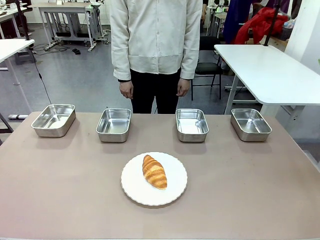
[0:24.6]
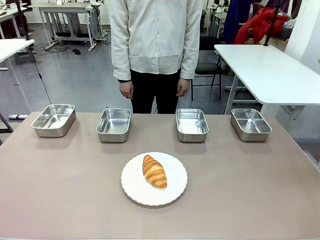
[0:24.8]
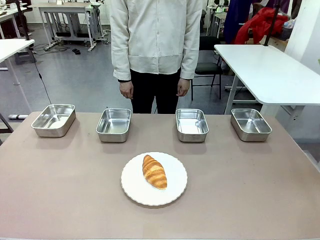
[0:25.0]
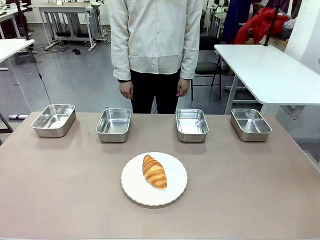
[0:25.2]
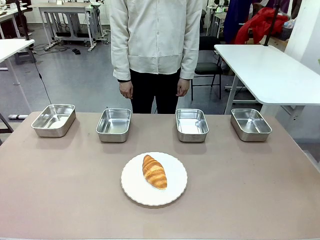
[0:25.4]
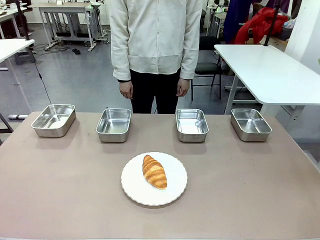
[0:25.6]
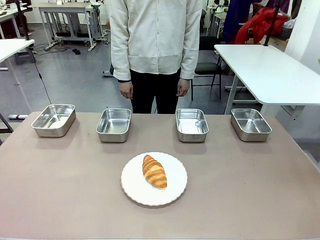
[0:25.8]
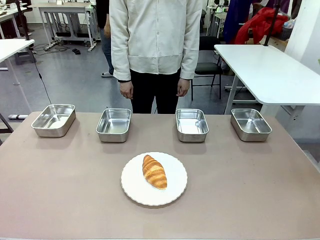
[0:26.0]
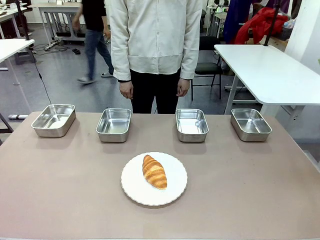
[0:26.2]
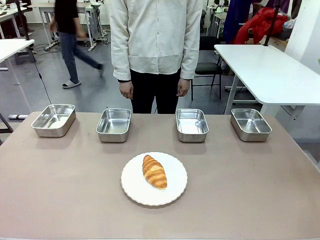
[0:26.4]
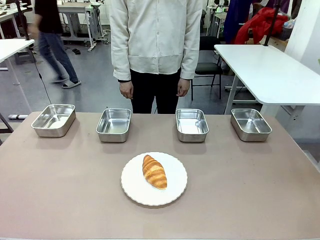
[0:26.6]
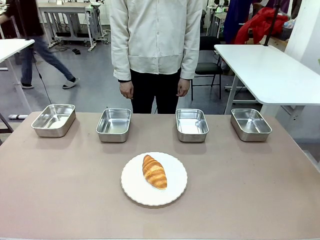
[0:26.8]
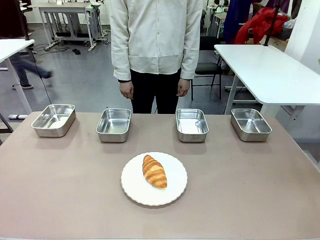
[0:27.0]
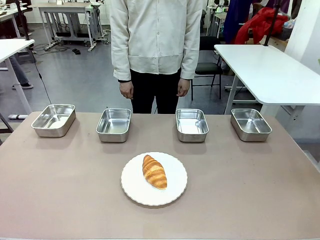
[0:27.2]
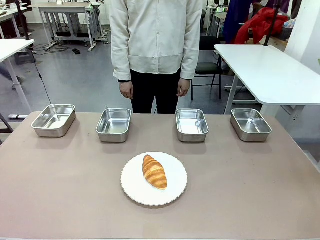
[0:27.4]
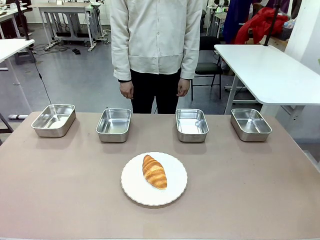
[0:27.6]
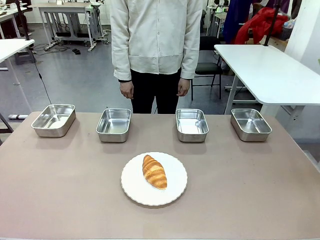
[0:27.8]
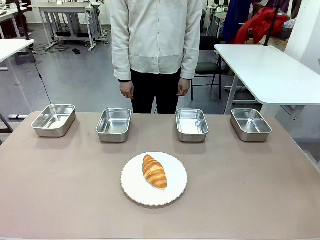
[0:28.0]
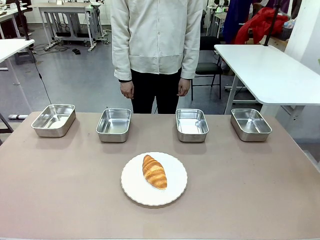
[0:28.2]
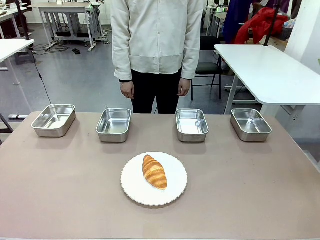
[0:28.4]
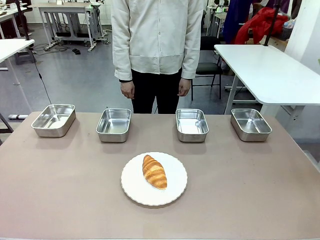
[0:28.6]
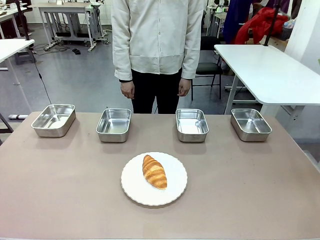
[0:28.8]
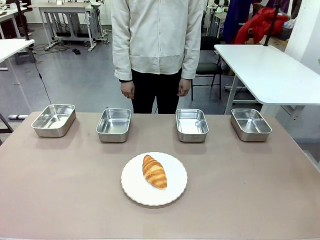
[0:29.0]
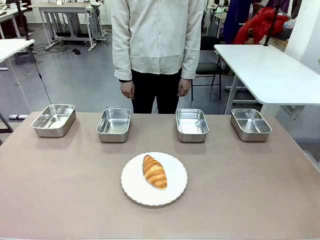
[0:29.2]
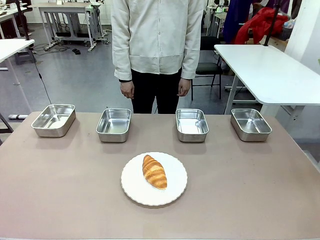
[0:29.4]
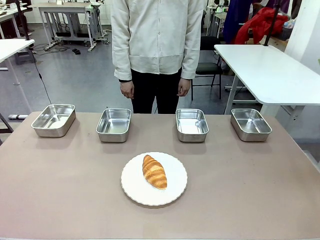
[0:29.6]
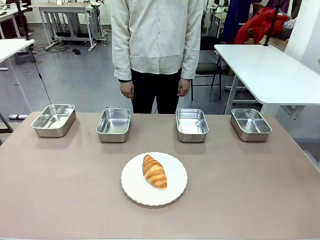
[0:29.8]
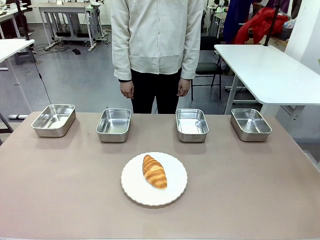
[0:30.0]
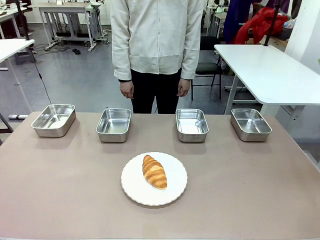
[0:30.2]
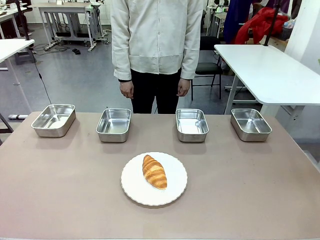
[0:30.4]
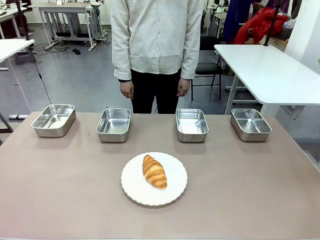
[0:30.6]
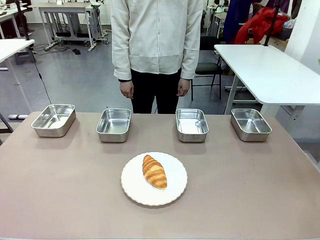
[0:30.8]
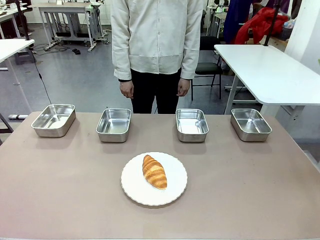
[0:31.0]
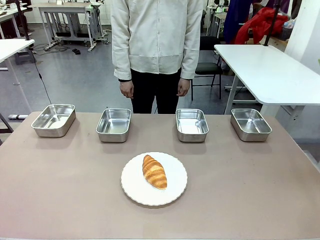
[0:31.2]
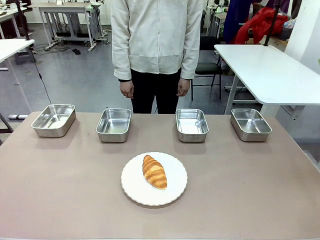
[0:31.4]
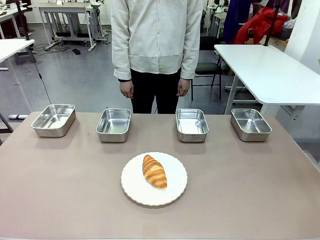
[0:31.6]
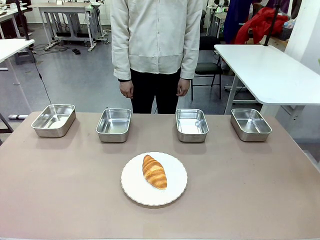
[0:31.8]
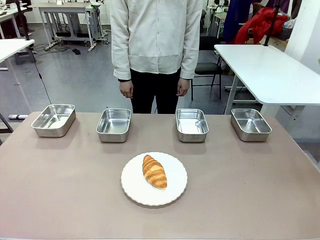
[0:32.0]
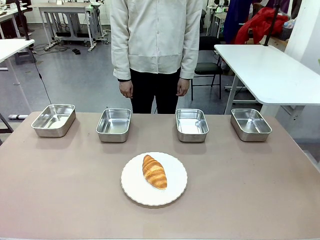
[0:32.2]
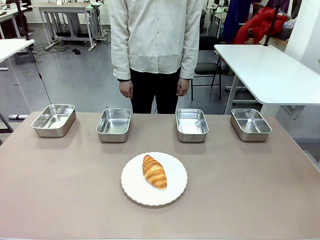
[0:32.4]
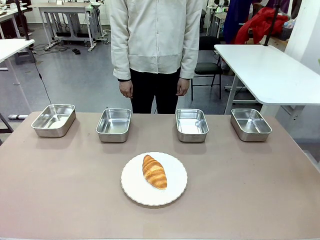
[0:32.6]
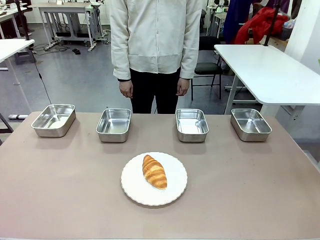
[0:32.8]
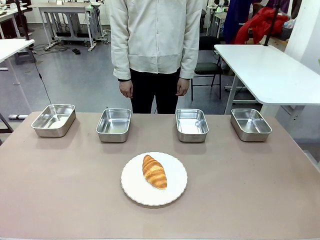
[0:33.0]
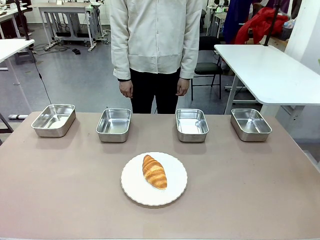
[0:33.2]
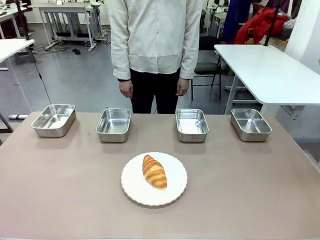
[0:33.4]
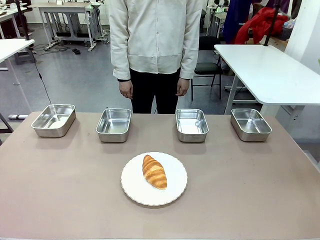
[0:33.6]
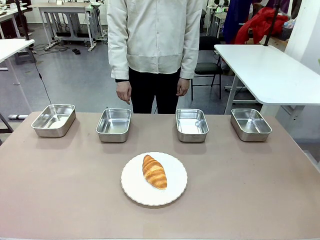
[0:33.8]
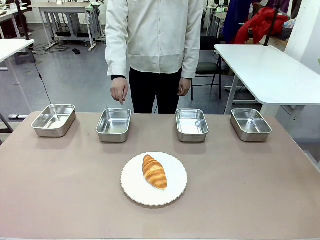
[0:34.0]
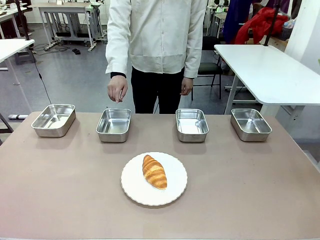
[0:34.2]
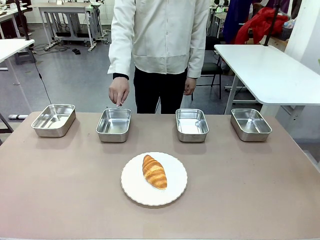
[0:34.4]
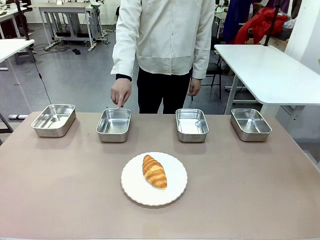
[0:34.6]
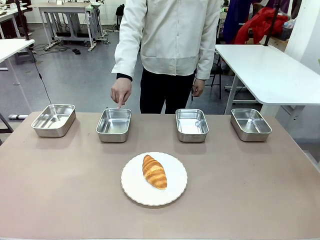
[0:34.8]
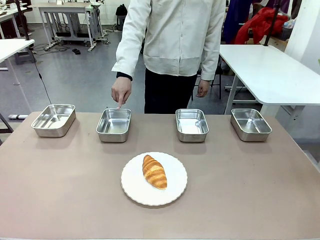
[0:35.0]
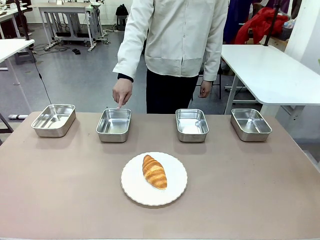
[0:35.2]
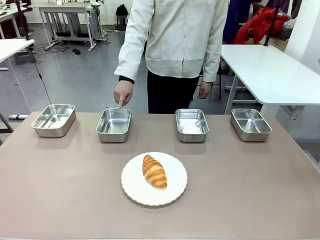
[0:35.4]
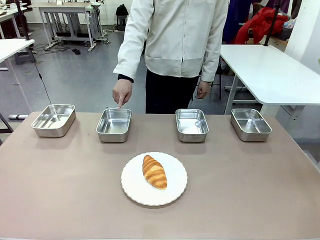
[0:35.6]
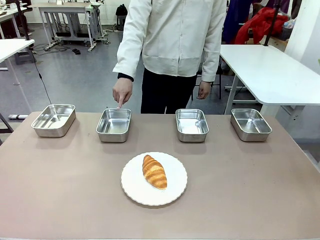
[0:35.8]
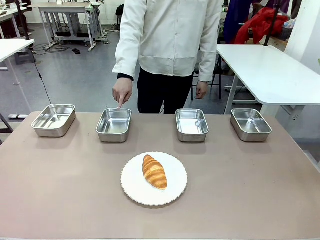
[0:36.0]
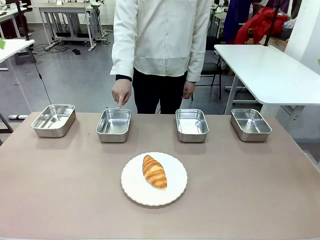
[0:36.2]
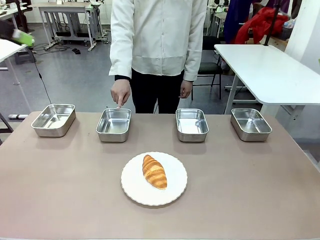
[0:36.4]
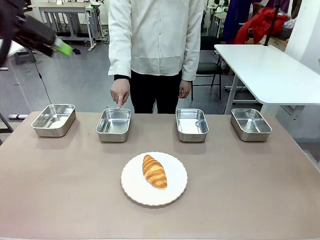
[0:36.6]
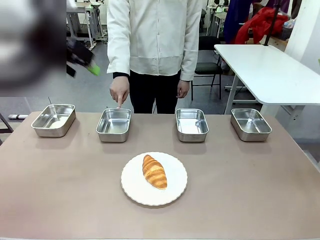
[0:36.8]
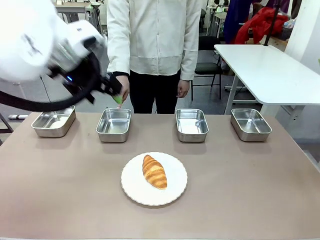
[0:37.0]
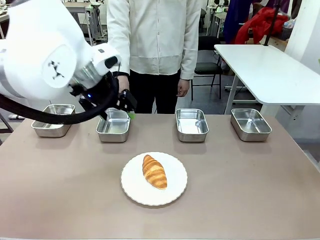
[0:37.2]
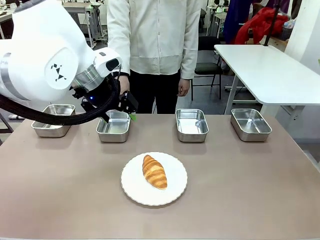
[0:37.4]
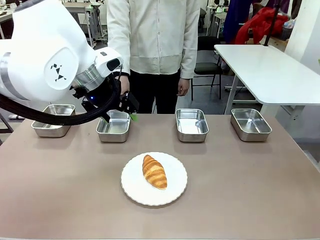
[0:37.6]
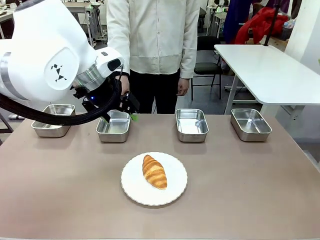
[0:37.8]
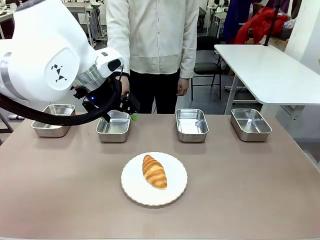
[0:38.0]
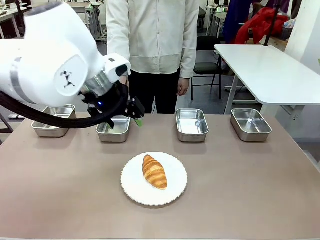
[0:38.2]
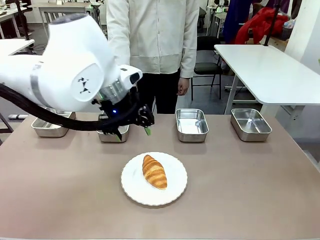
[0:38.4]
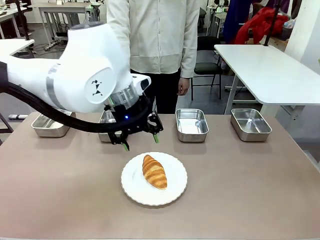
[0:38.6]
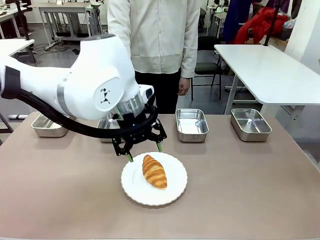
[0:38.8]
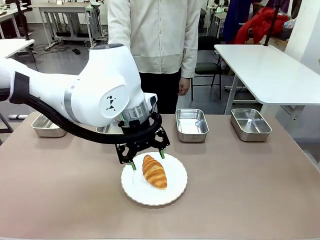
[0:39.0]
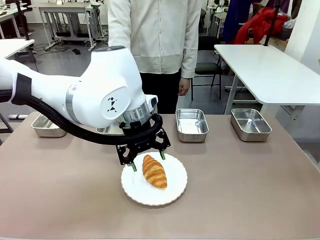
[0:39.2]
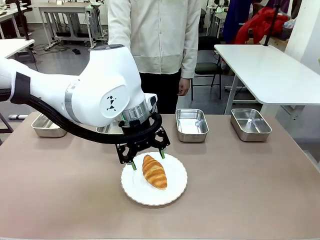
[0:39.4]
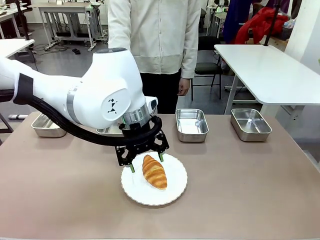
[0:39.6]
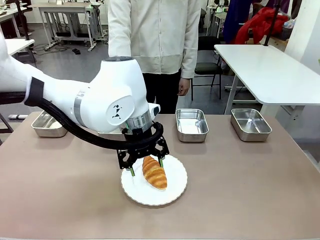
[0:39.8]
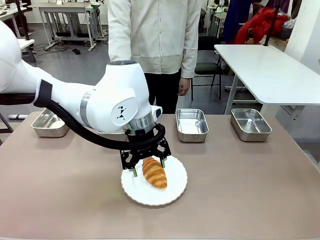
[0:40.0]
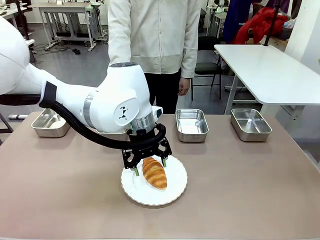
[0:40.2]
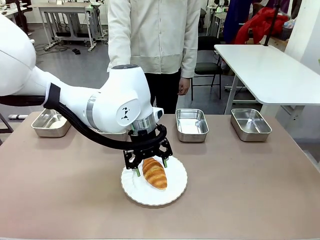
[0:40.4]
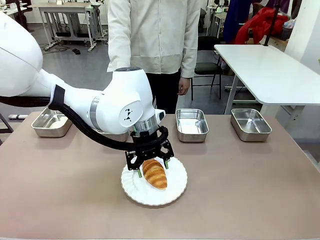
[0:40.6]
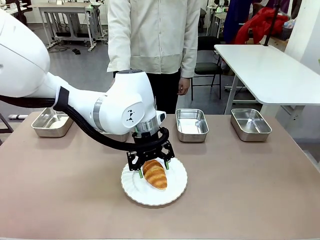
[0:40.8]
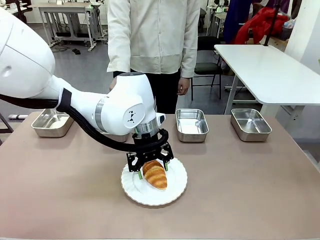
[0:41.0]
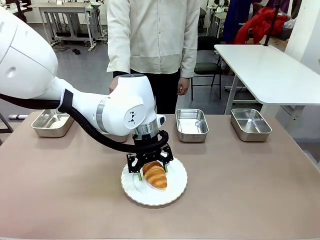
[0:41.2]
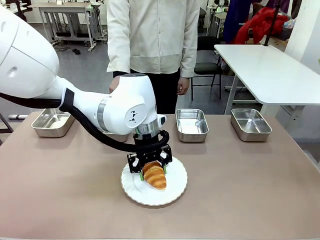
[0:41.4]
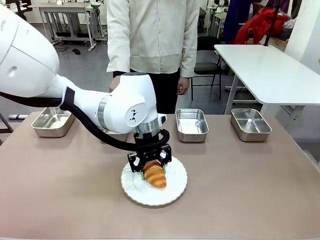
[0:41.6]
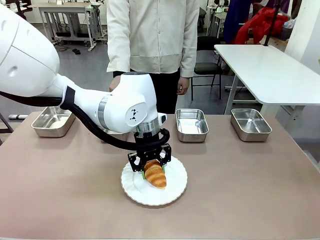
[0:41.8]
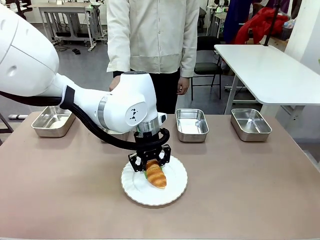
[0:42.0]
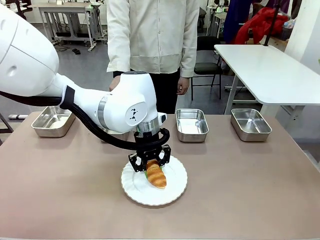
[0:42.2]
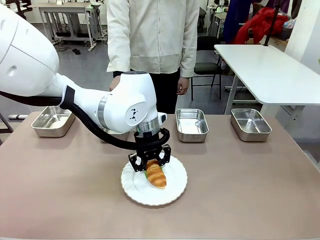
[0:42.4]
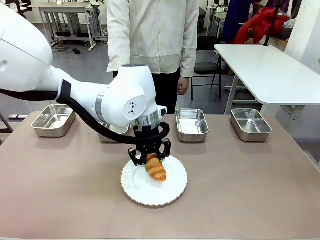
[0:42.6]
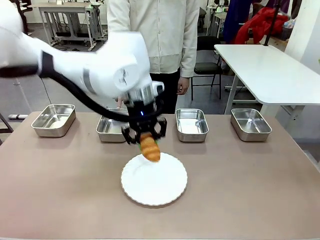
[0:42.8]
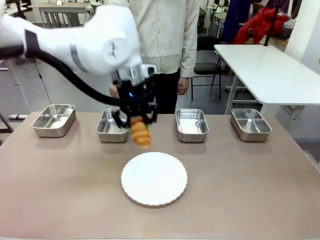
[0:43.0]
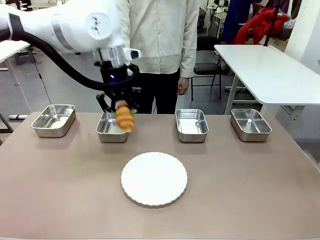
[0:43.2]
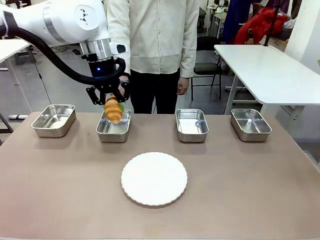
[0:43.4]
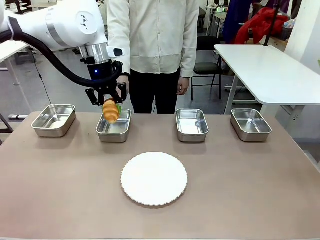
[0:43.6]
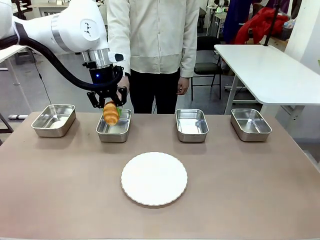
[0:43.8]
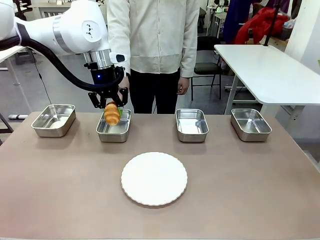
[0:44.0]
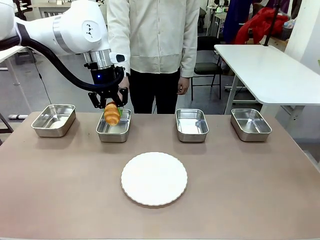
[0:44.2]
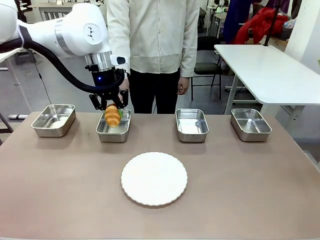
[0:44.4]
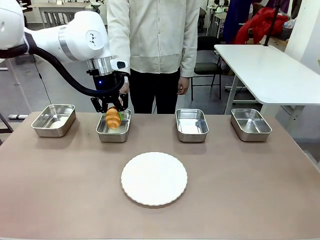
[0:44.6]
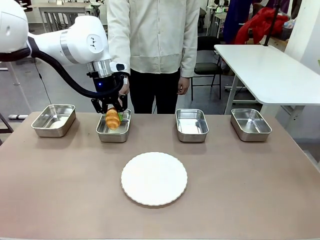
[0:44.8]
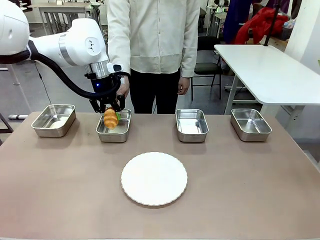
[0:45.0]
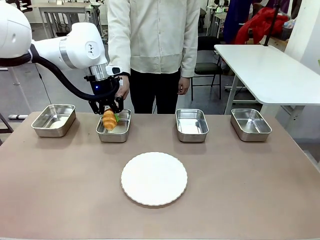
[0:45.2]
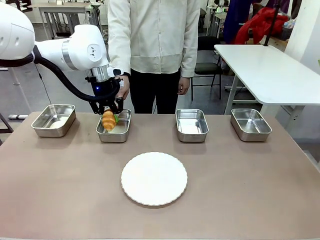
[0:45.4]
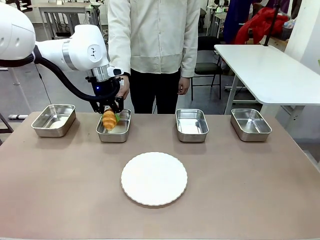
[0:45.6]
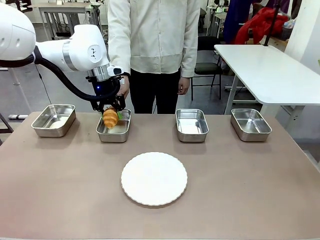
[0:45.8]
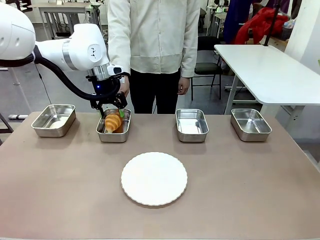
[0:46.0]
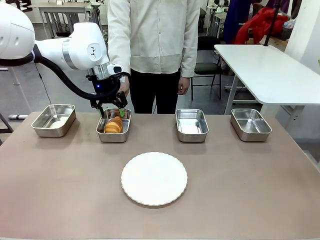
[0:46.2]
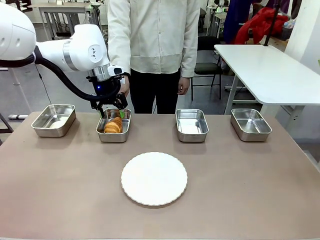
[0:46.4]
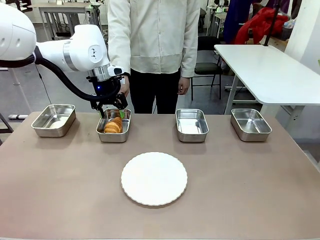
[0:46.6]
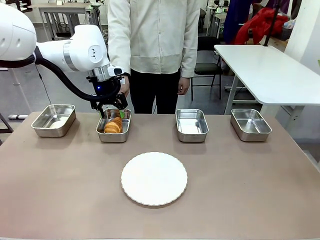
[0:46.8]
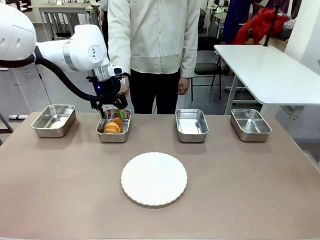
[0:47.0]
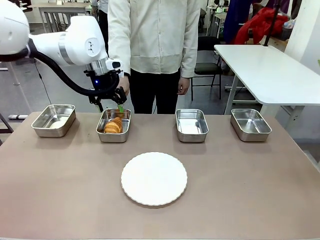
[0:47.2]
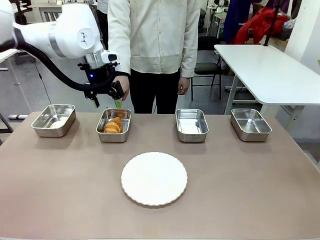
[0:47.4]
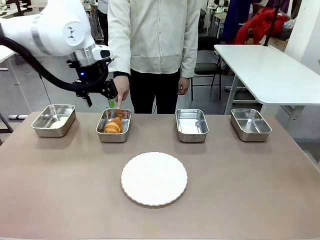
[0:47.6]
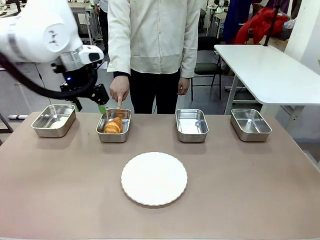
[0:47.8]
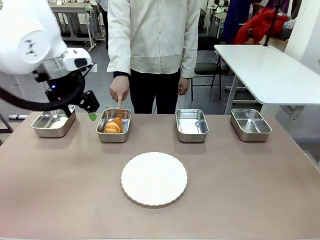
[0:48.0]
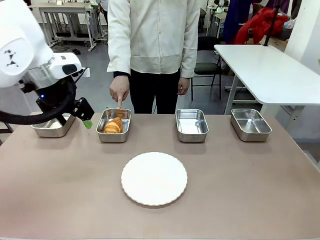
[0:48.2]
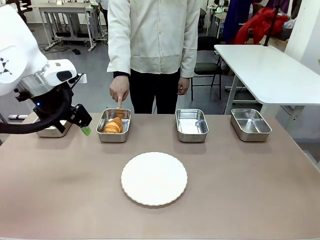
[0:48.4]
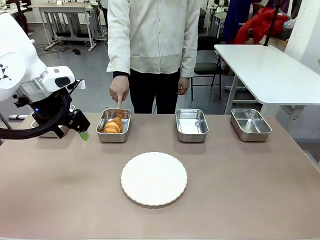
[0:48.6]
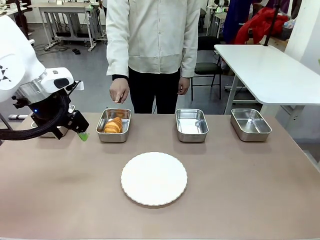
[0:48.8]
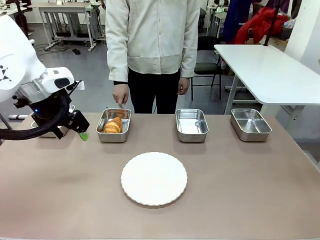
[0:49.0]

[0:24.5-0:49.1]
Task: Place the bread in the container.
Robot: Place the Butter Roll into the Airtight Container indicated by the human.
Person: A person randomly selects and points to an Airtight Container.
